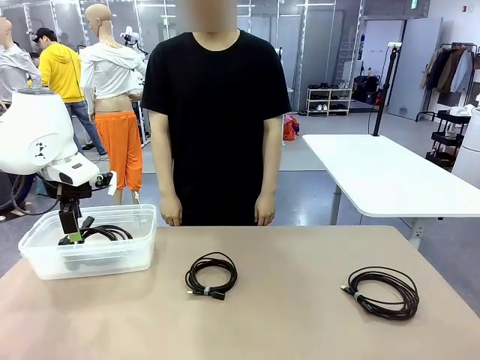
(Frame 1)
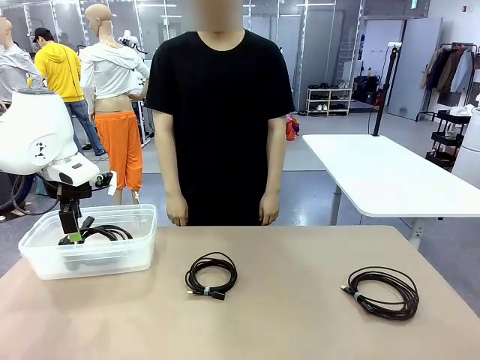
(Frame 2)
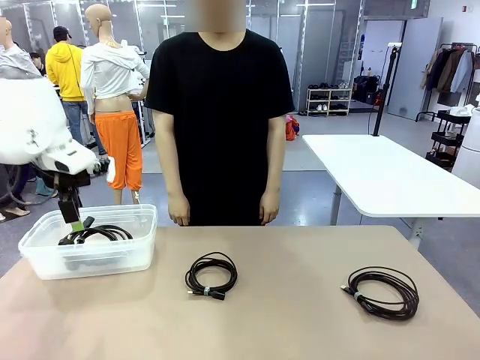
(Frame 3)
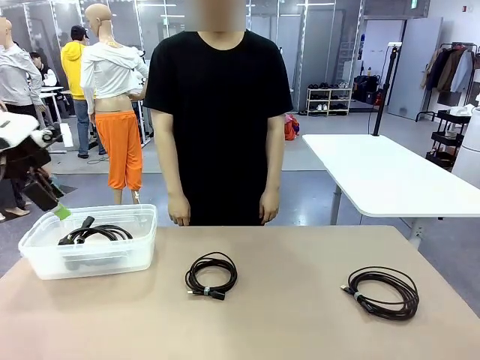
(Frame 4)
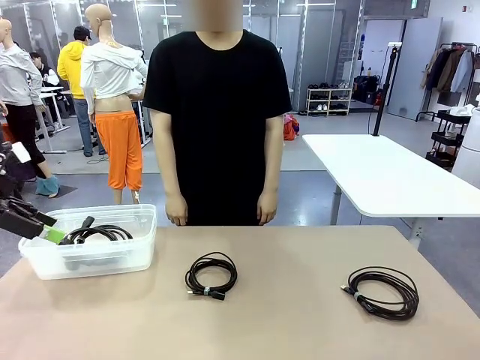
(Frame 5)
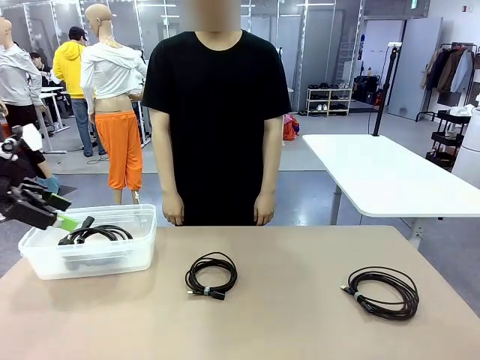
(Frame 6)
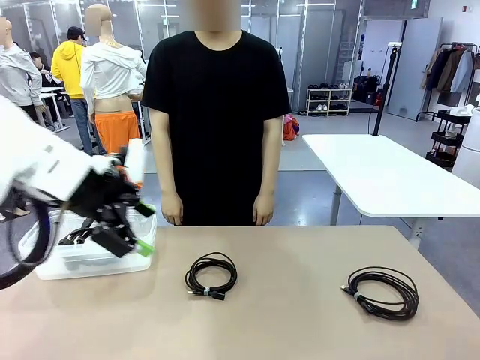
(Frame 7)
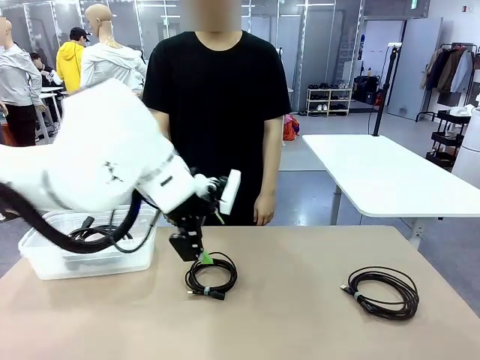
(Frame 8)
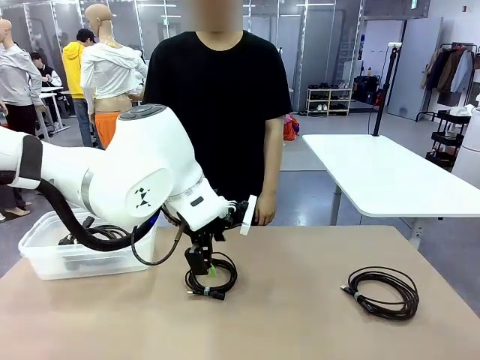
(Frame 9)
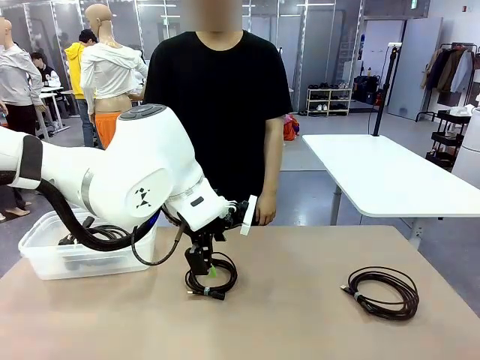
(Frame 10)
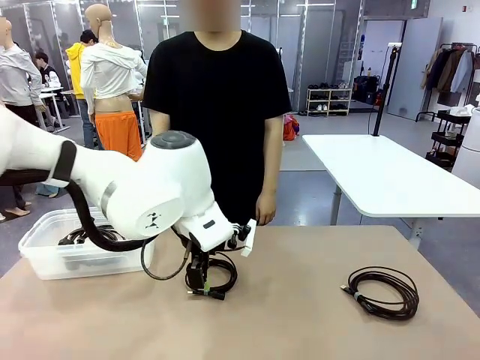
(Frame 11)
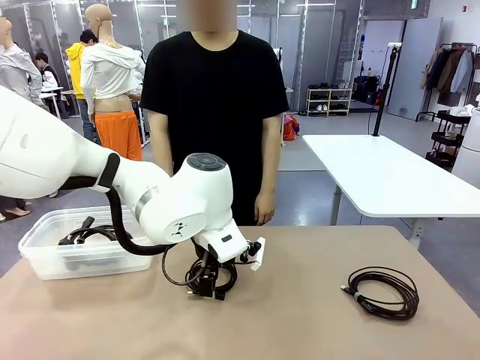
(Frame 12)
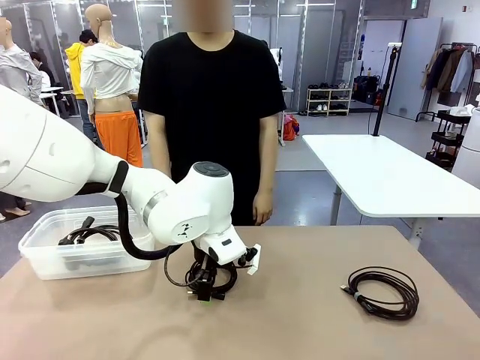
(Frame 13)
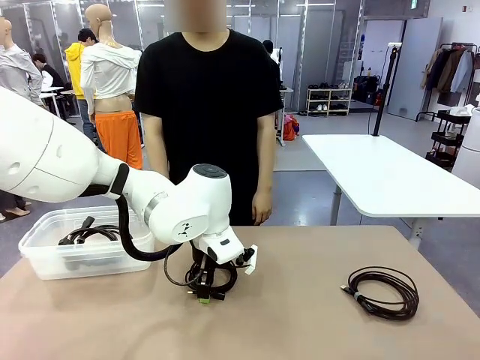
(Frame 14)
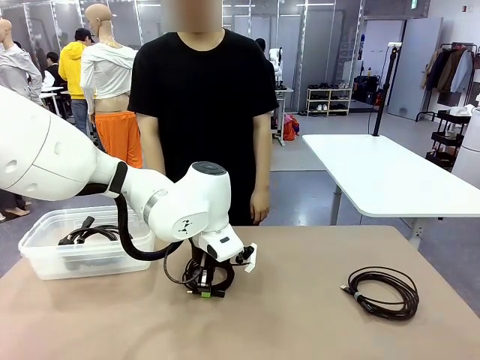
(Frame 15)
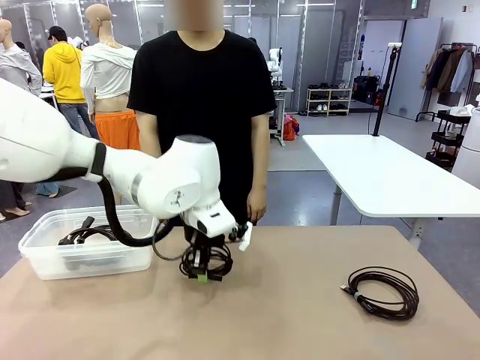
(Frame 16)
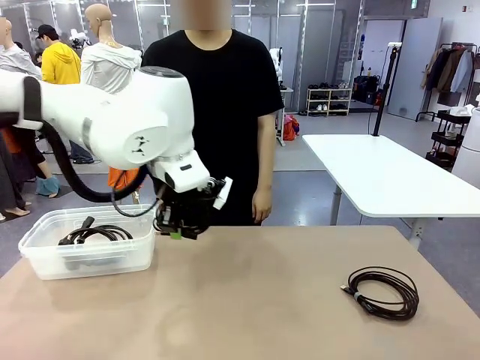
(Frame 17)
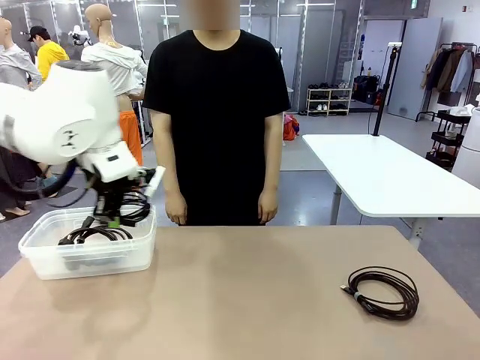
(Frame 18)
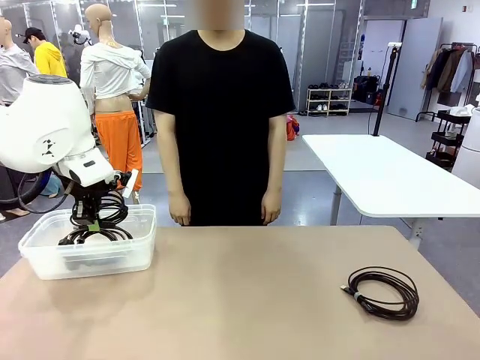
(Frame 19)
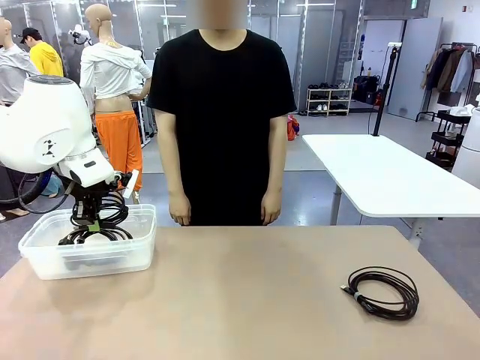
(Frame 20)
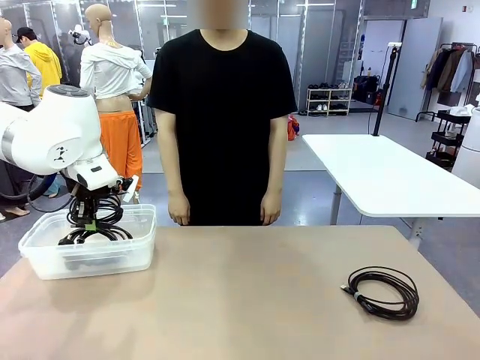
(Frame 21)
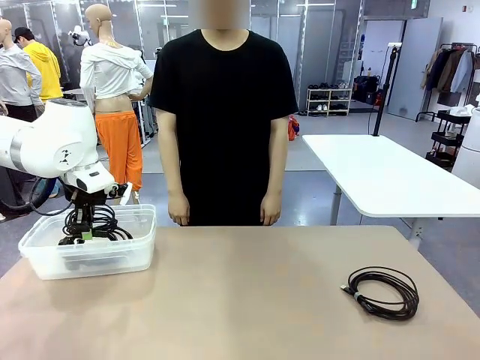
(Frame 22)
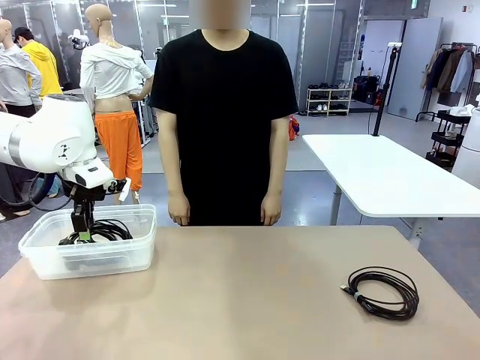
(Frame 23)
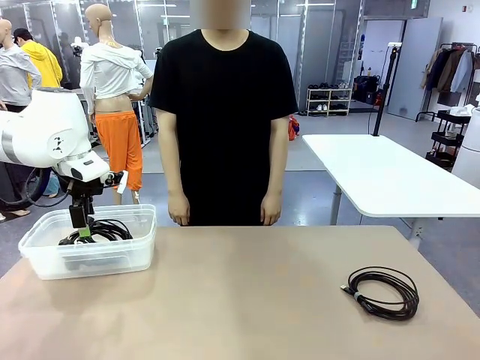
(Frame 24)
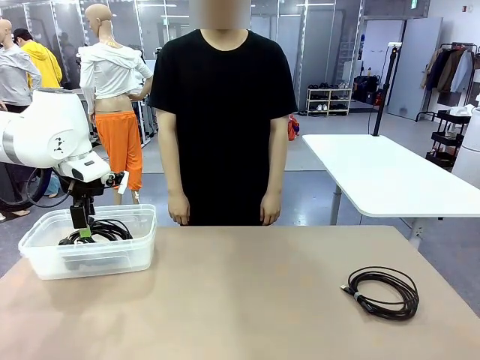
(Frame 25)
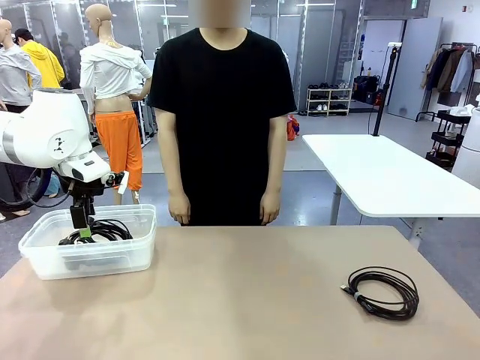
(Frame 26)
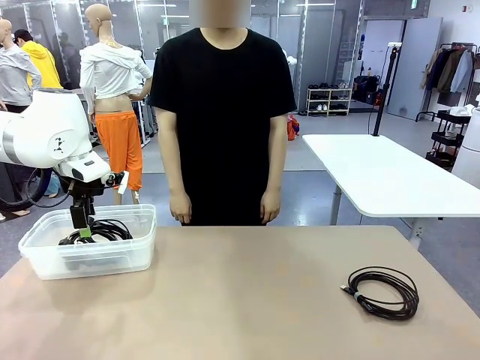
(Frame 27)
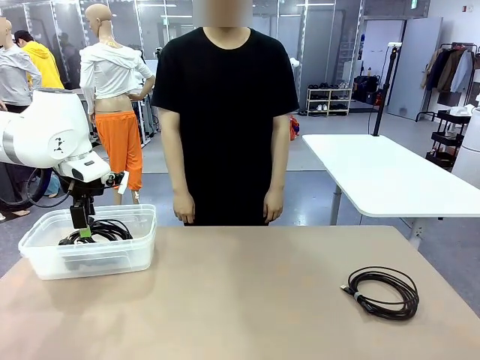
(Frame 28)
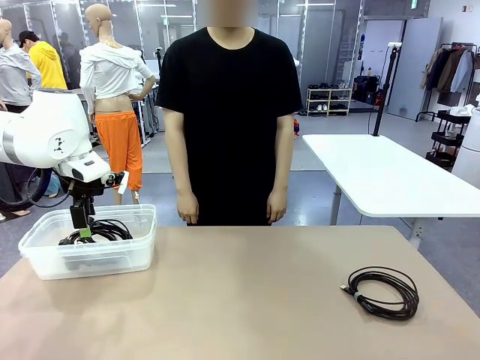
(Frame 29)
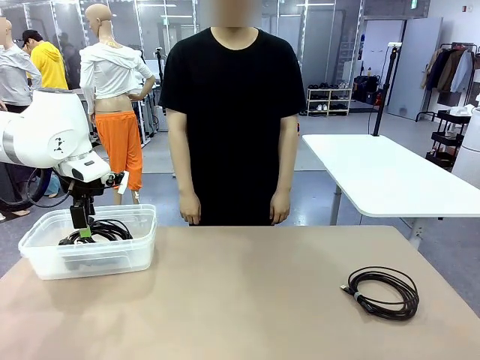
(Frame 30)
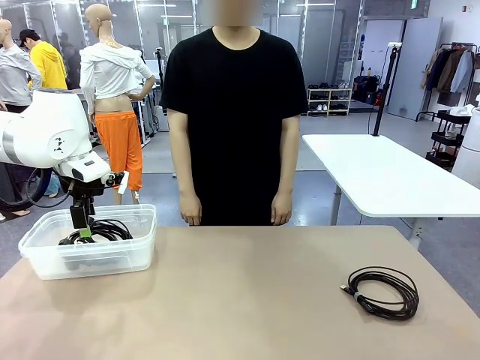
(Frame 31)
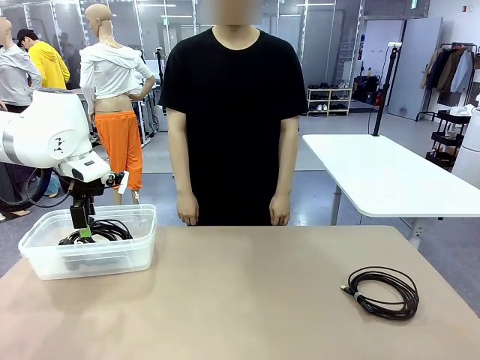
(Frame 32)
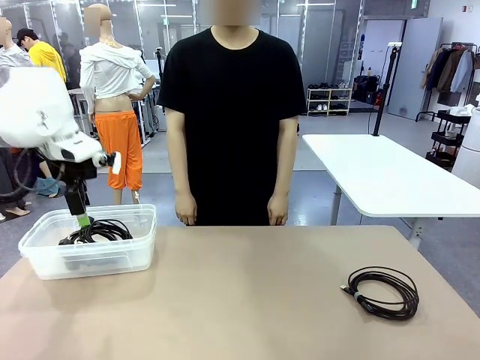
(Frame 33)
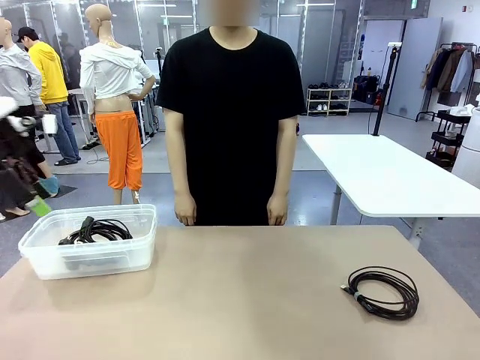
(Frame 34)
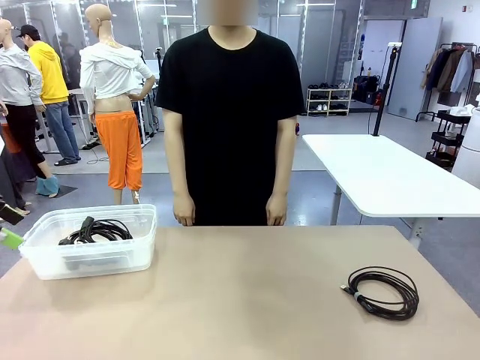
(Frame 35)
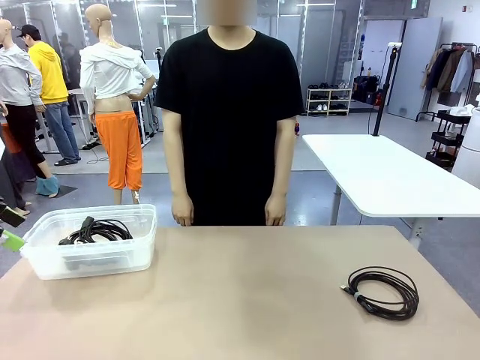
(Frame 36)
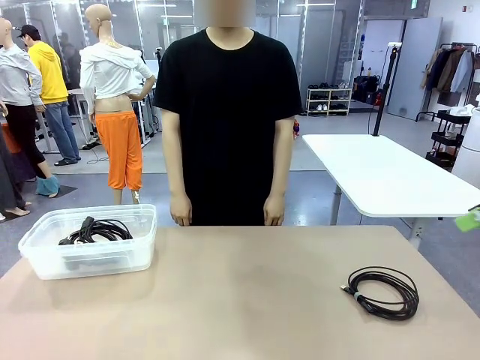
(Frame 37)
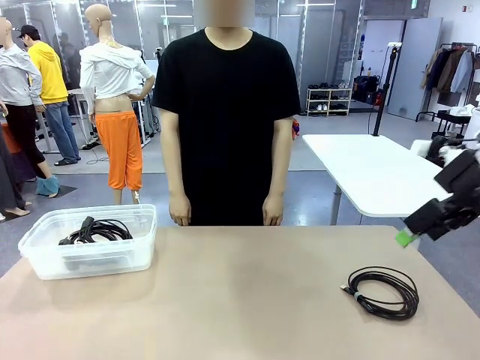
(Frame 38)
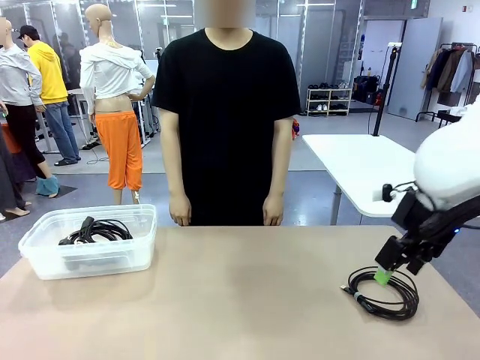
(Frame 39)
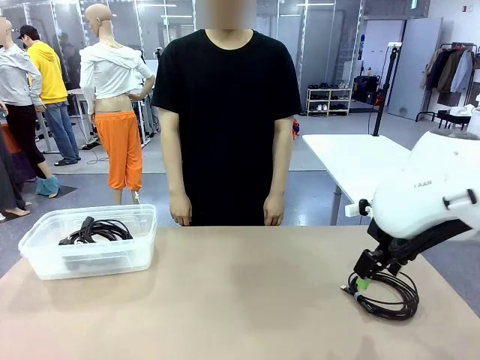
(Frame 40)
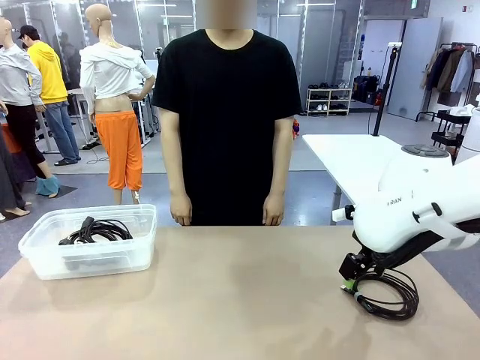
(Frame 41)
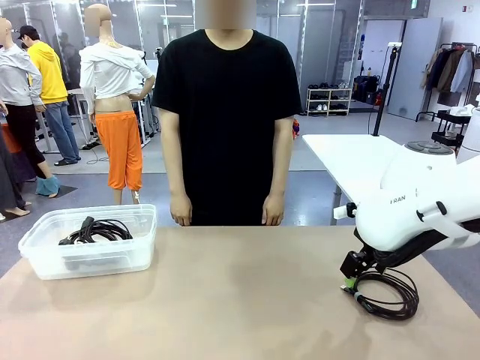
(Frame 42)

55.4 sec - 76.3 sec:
Task: Organize and store the cables.
Robot: Place the USB Extension Cable into the Organizing box.
